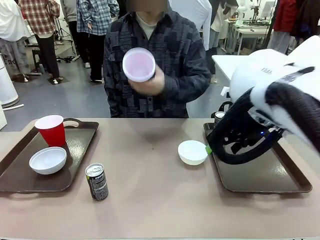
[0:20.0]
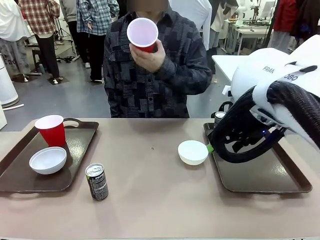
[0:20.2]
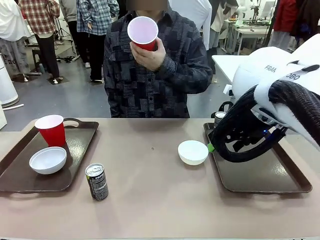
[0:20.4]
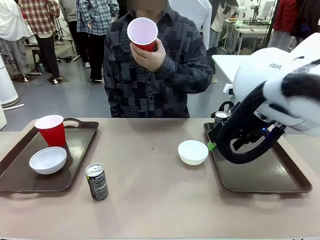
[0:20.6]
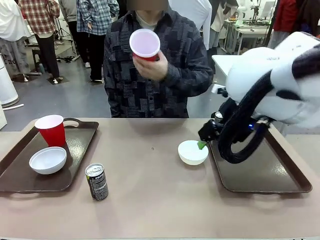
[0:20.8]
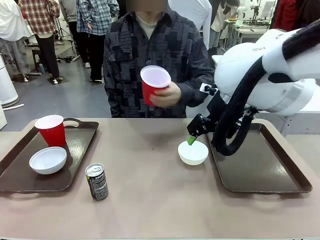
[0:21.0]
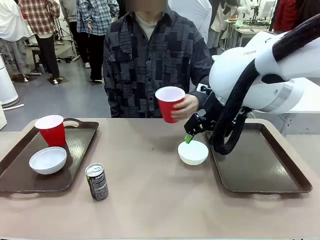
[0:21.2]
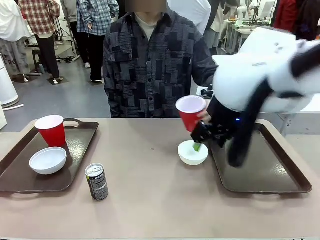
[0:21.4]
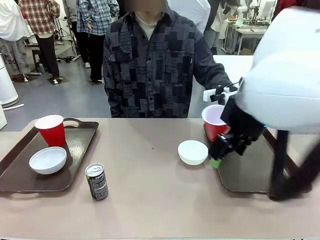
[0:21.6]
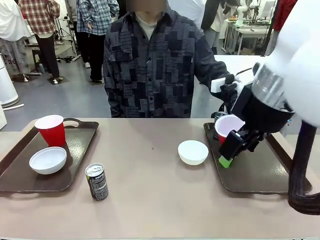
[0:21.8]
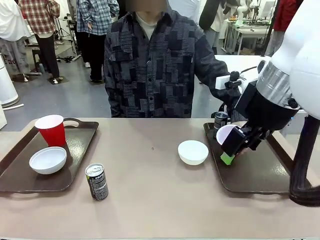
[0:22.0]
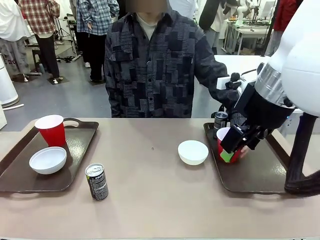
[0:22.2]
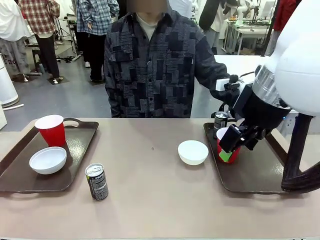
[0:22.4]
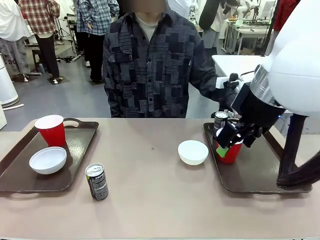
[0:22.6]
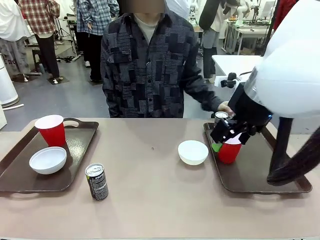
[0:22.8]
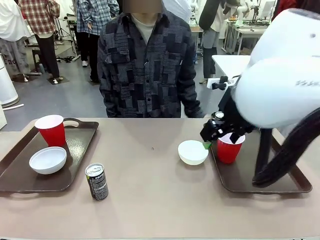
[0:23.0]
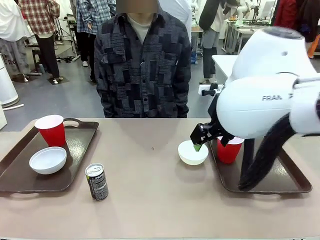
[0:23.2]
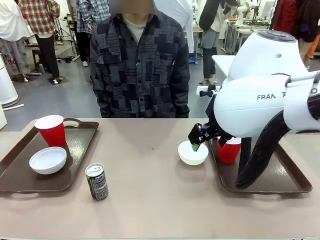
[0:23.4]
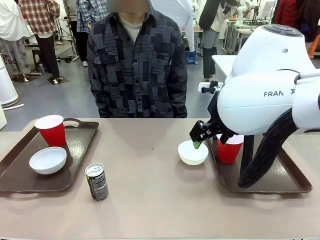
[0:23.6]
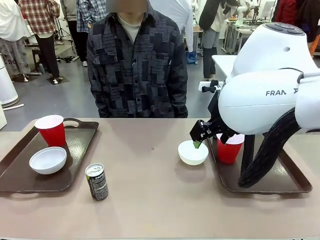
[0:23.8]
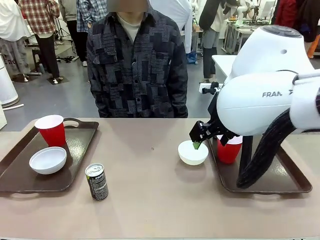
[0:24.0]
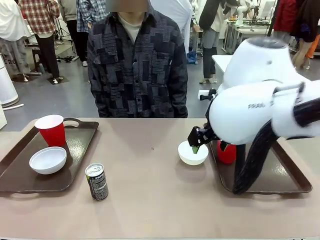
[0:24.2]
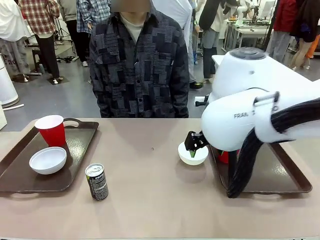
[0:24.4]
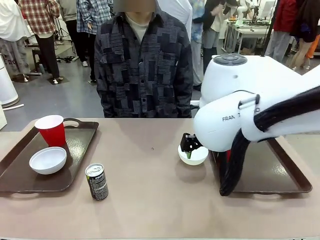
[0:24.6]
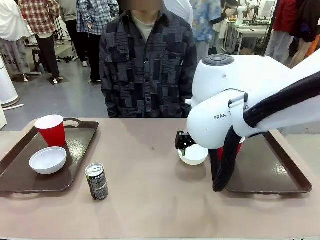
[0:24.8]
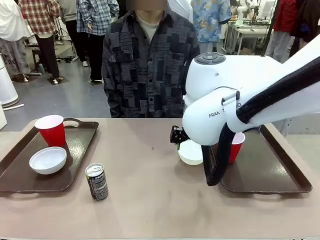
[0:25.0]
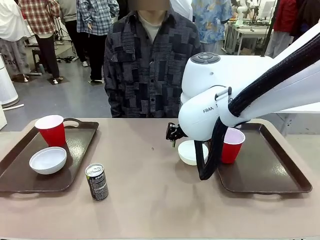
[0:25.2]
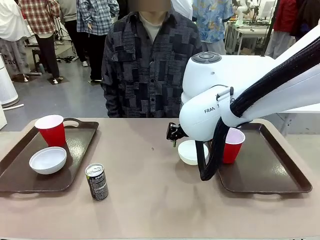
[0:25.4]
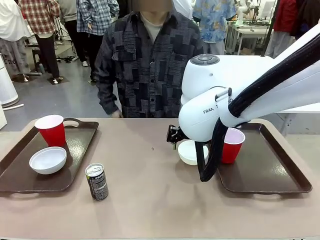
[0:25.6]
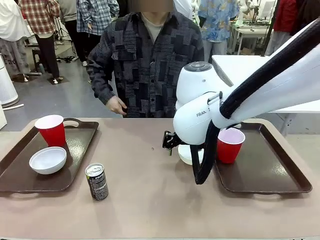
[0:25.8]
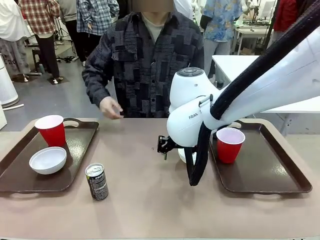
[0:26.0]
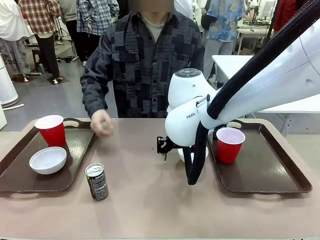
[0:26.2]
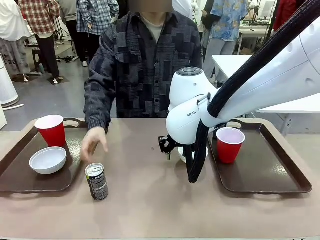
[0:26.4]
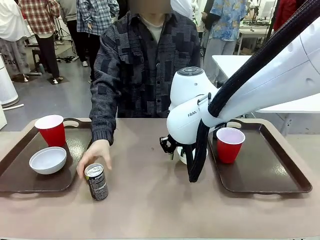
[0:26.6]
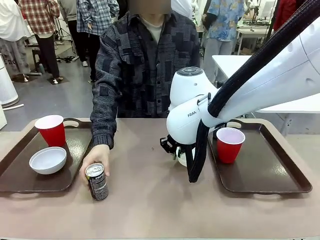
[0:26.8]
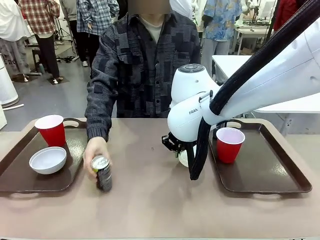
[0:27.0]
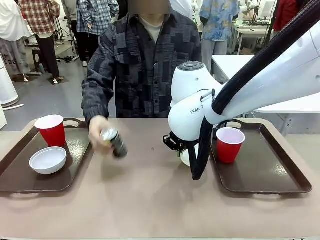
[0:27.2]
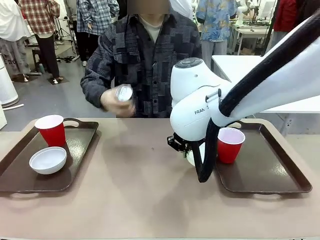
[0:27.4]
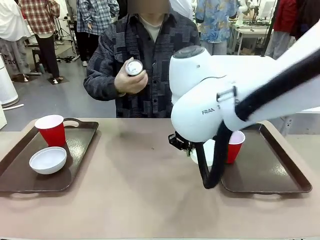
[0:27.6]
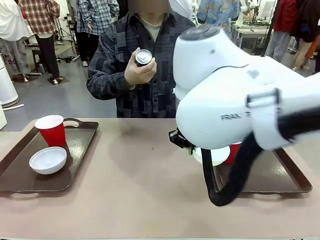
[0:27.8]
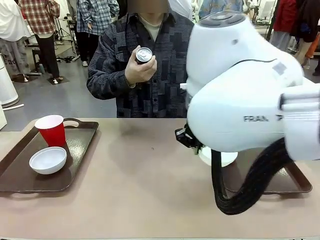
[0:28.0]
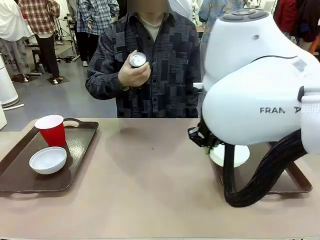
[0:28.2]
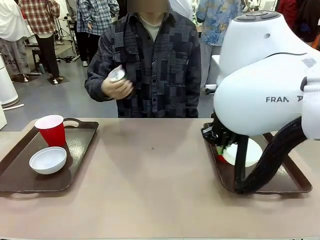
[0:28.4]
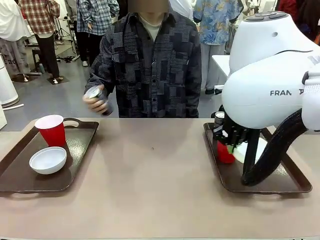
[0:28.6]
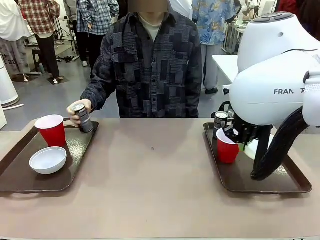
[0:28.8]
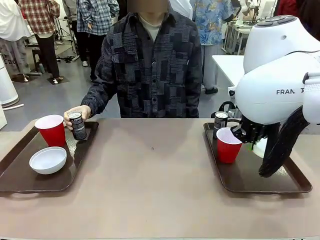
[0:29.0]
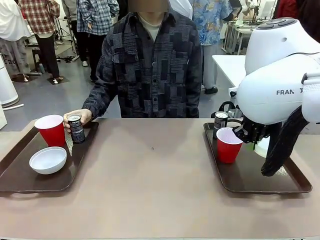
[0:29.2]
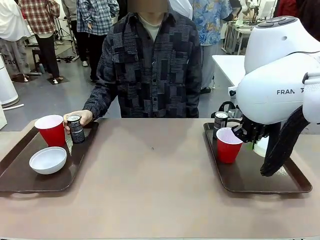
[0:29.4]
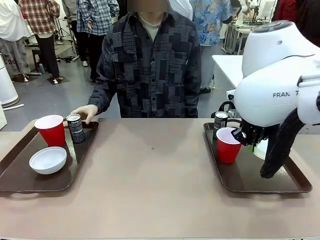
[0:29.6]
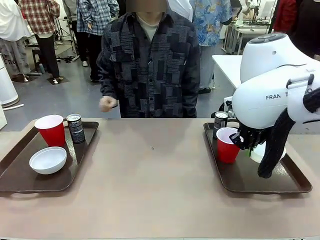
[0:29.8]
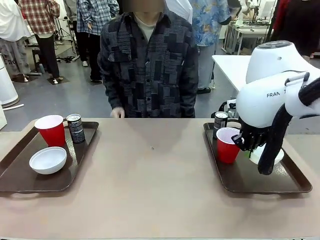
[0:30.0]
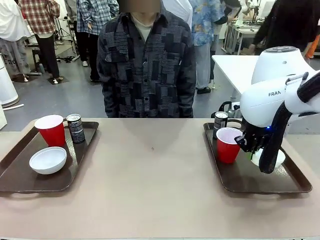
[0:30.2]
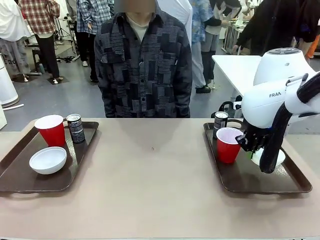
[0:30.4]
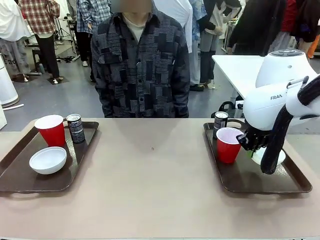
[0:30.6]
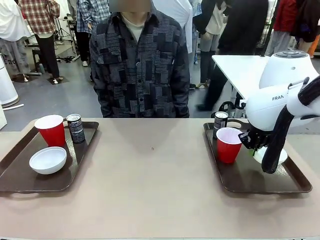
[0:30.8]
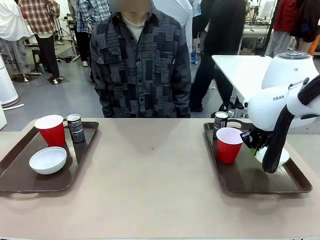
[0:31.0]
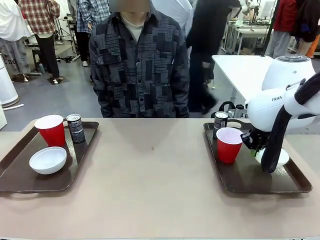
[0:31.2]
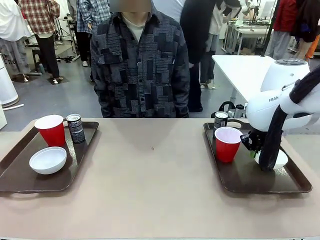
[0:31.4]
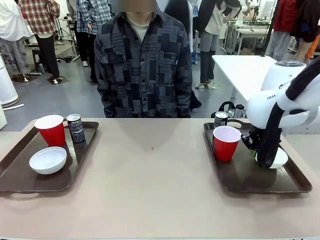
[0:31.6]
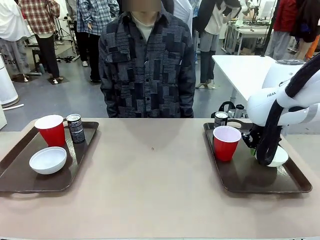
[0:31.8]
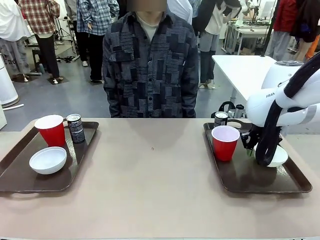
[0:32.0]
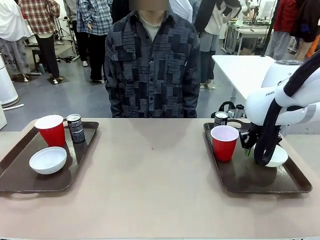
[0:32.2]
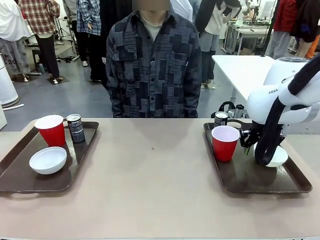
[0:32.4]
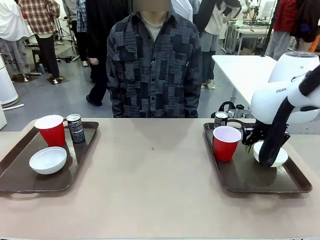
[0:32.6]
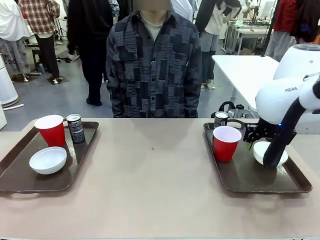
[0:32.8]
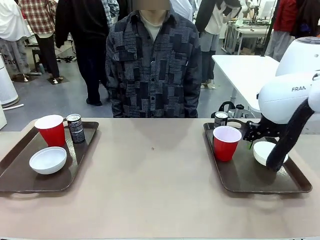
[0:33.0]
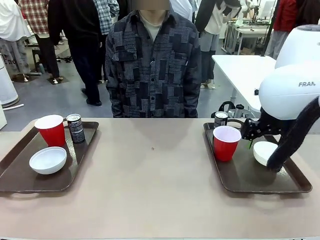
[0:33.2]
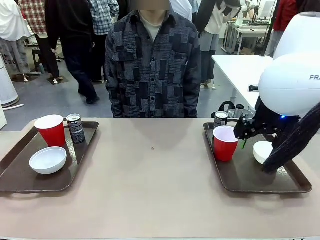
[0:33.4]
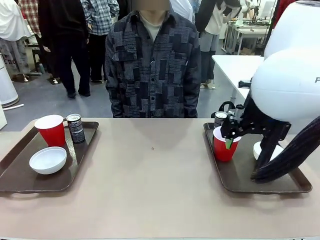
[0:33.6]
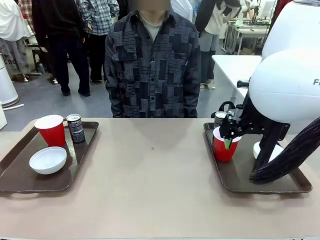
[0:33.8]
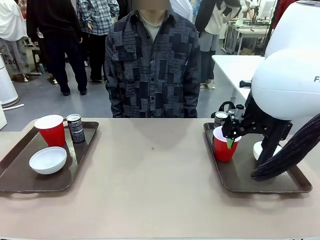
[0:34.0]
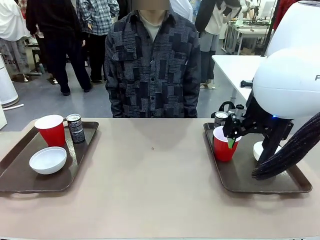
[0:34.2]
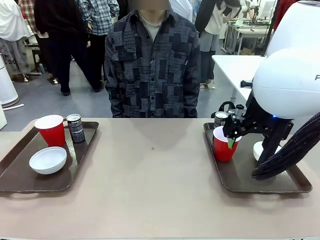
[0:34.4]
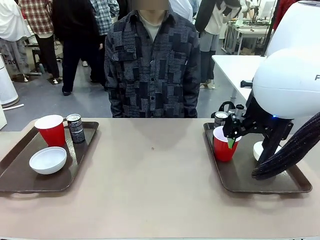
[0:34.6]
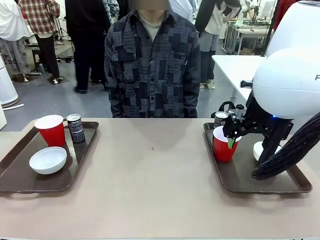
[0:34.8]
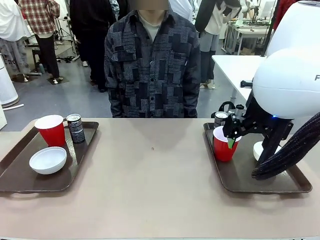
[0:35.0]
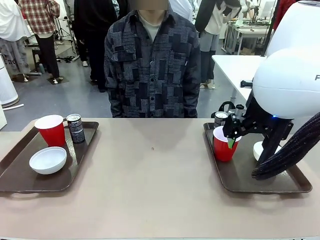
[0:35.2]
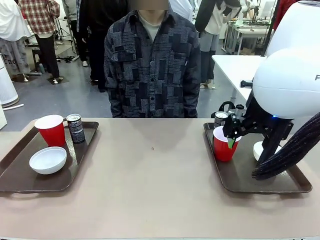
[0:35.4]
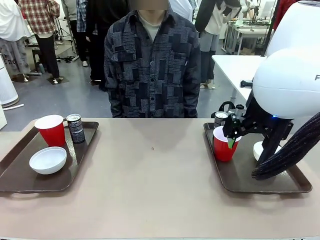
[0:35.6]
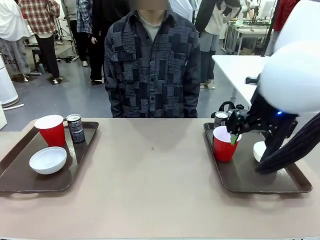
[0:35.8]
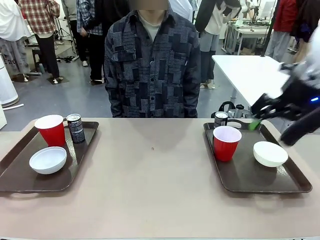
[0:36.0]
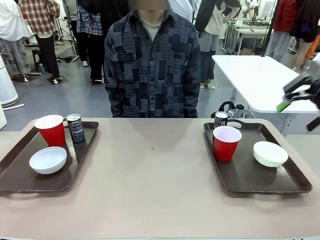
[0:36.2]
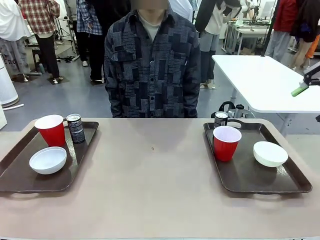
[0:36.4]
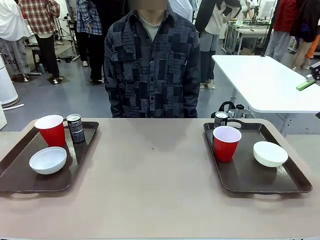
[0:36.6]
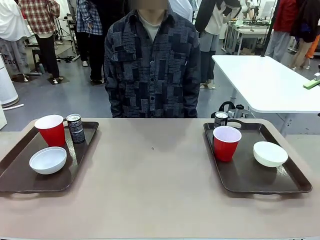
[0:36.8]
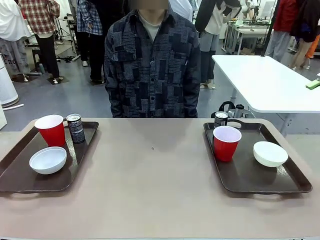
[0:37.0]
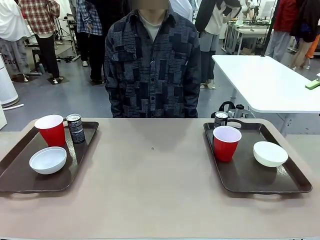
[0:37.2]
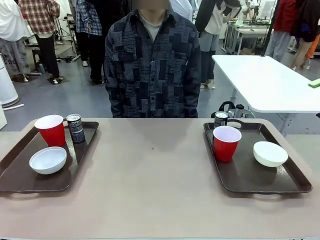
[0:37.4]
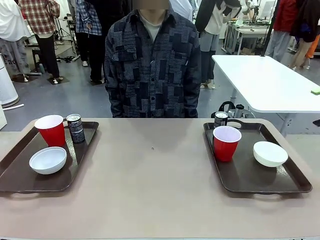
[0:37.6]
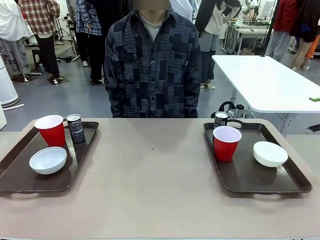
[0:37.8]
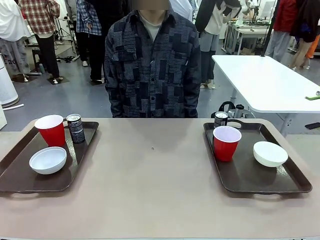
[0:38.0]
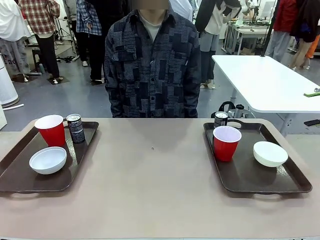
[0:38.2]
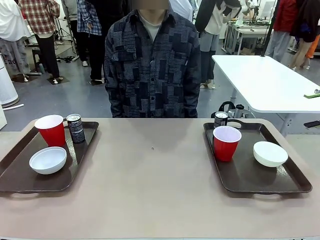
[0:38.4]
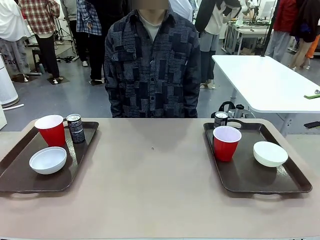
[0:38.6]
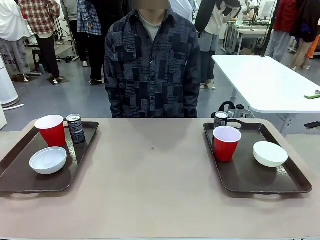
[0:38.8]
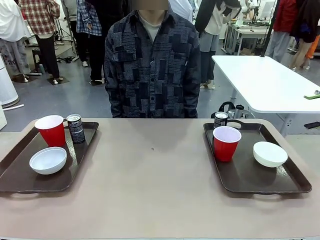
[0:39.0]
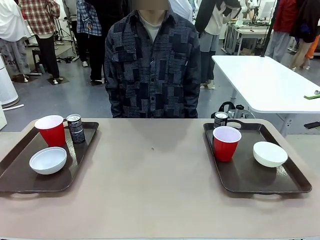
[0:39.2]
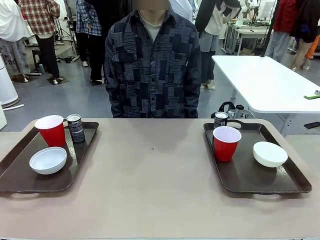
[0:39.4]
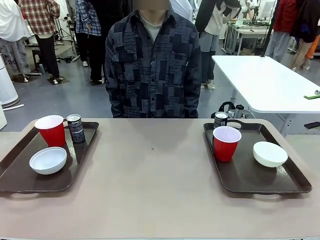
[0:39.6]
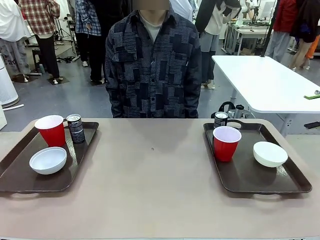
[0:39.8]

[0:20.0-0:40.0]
Task: Prepare tableware on both trays.
Robot: Pick up a Picnic Bowl from the table and place it on a Handle tray.
Person: Pick up a can or cup and place it on the tray without a can or cup.
